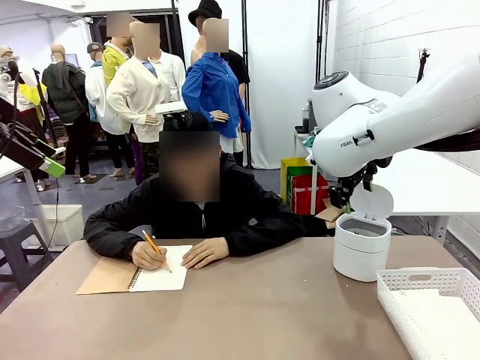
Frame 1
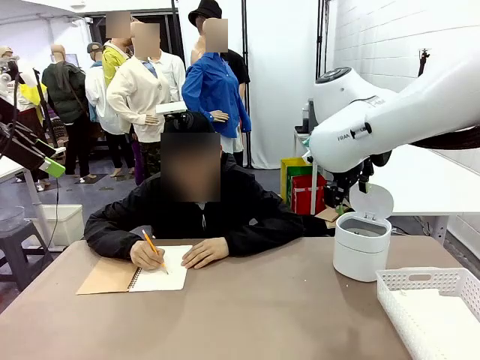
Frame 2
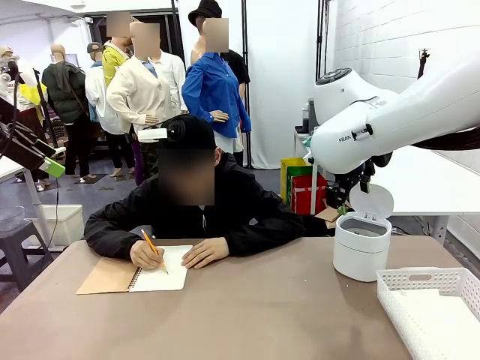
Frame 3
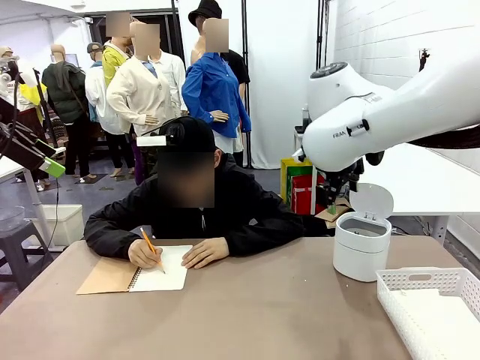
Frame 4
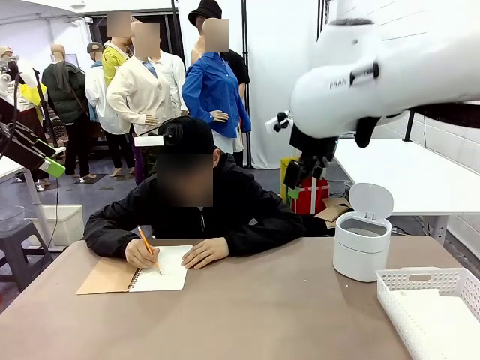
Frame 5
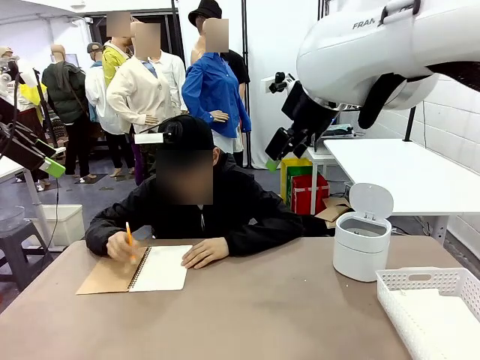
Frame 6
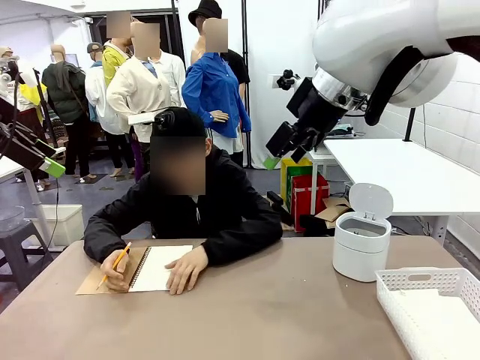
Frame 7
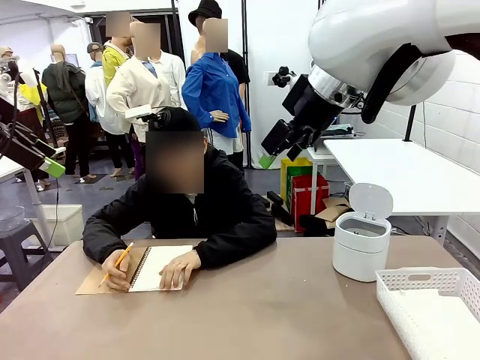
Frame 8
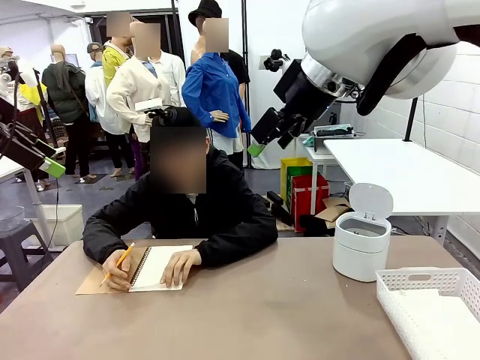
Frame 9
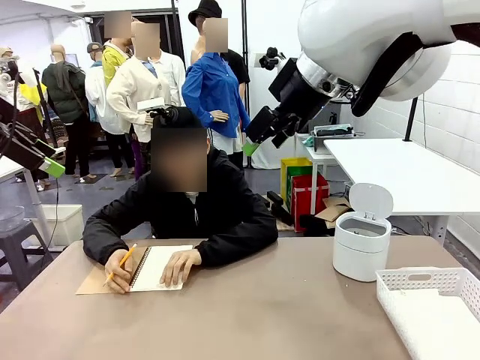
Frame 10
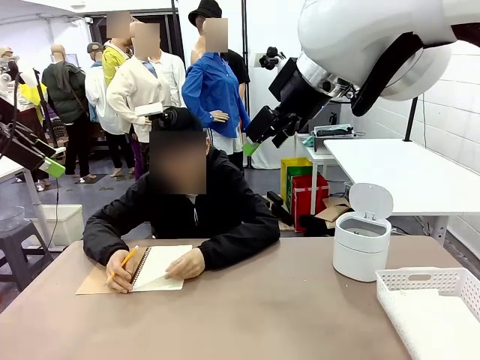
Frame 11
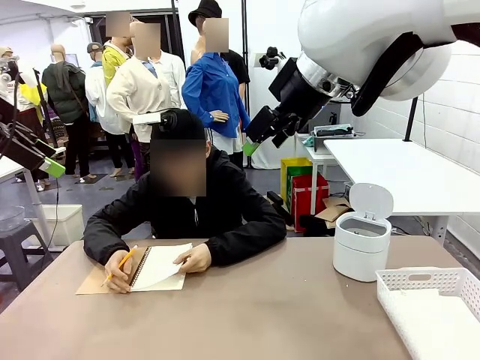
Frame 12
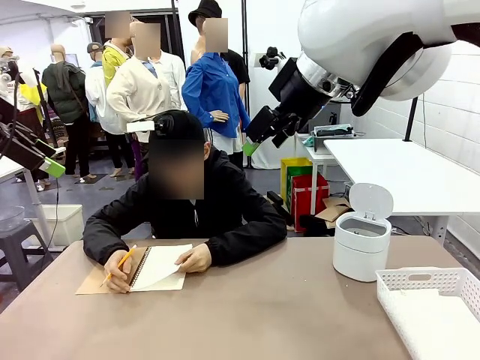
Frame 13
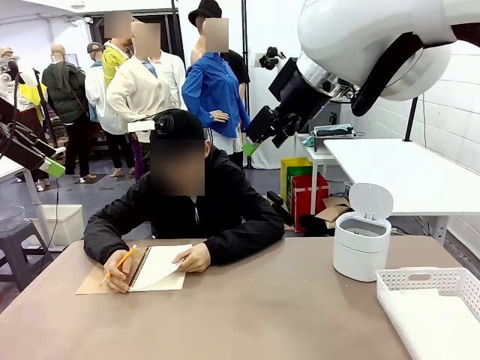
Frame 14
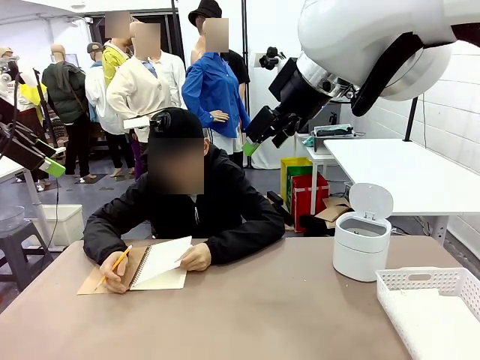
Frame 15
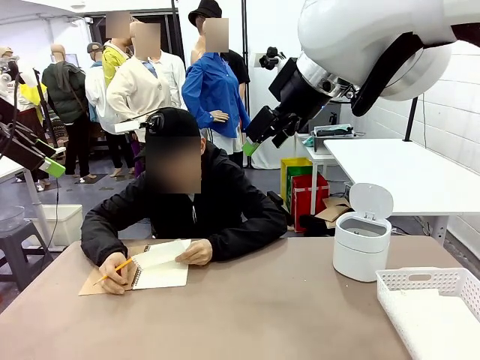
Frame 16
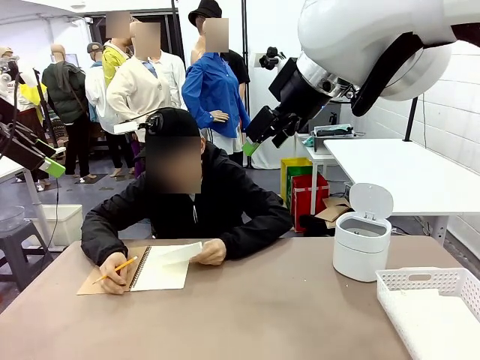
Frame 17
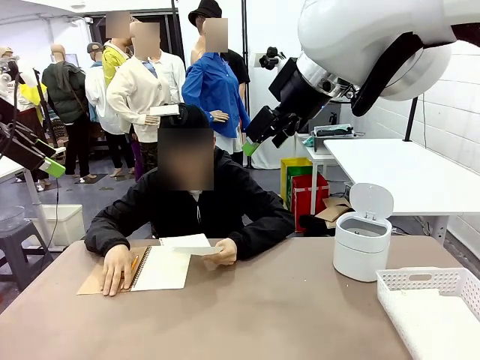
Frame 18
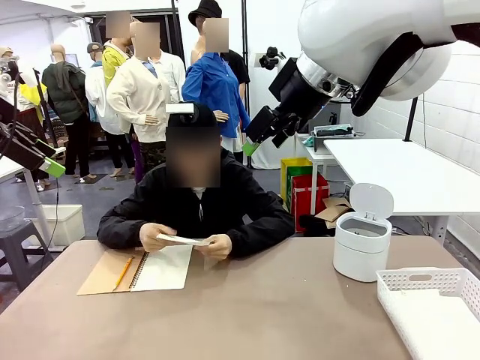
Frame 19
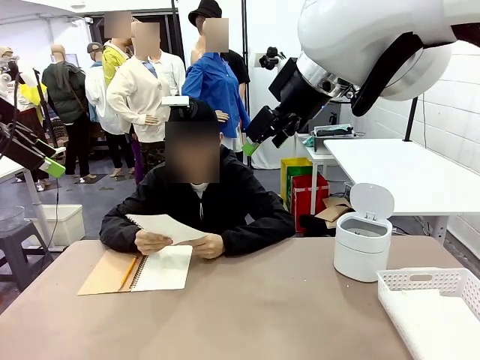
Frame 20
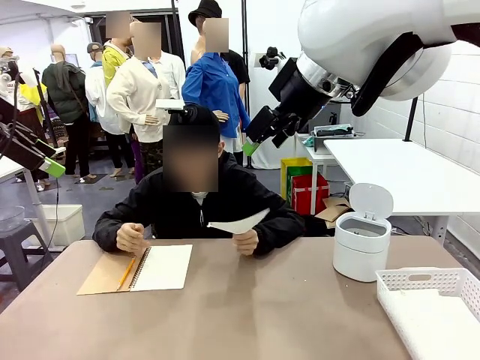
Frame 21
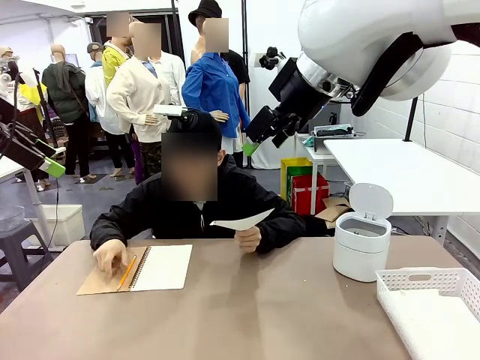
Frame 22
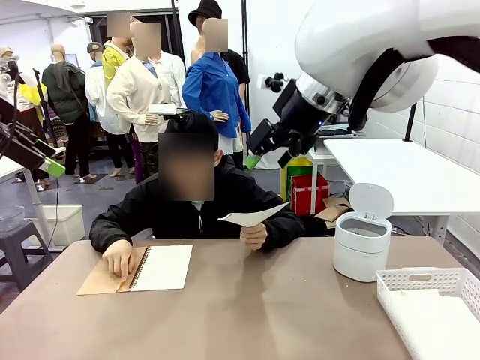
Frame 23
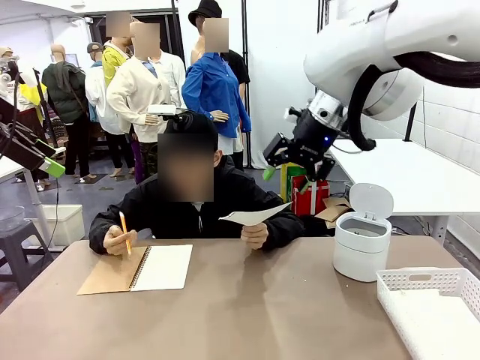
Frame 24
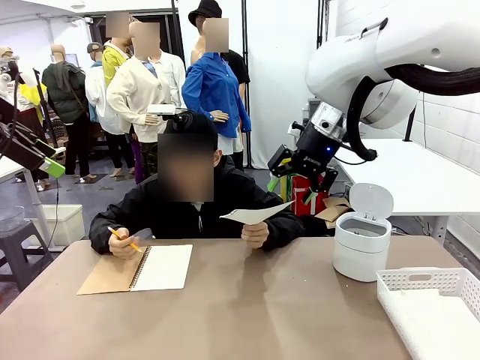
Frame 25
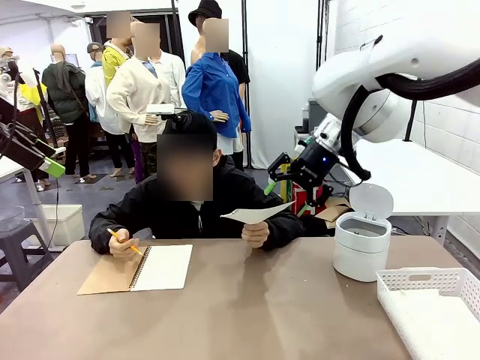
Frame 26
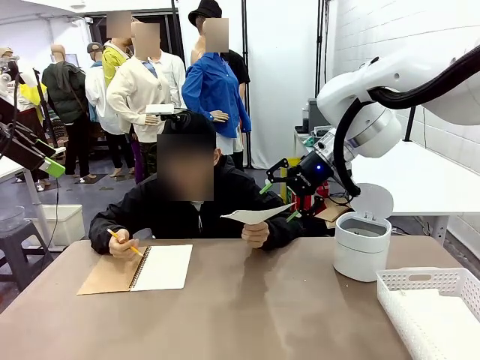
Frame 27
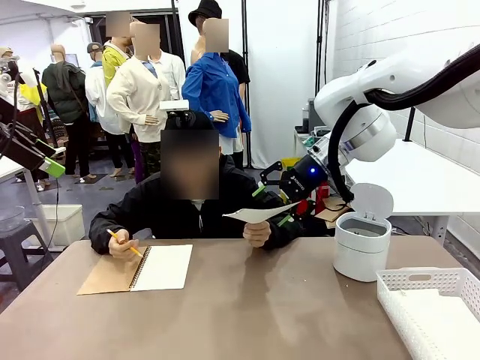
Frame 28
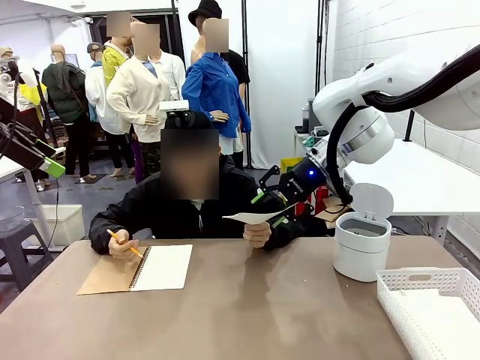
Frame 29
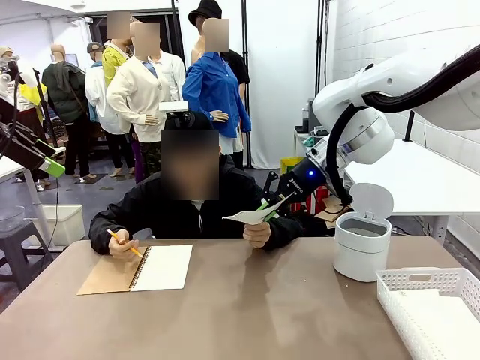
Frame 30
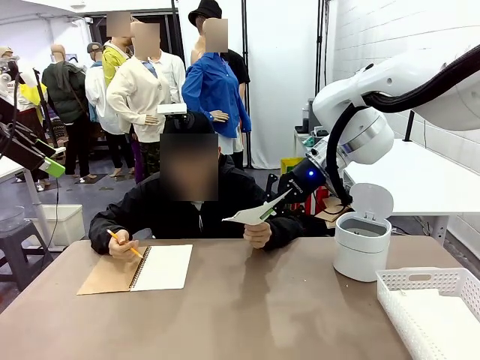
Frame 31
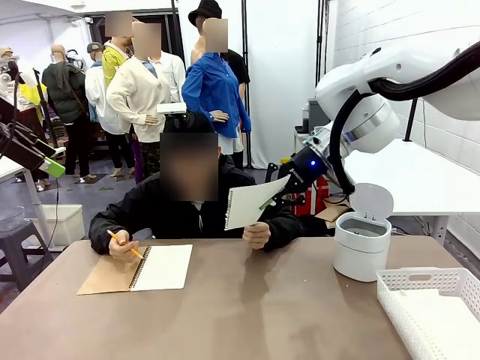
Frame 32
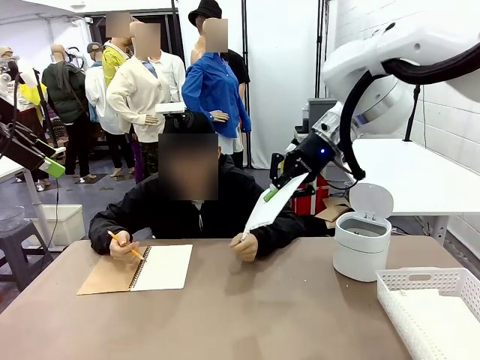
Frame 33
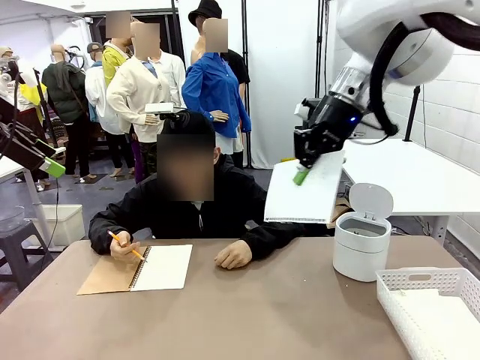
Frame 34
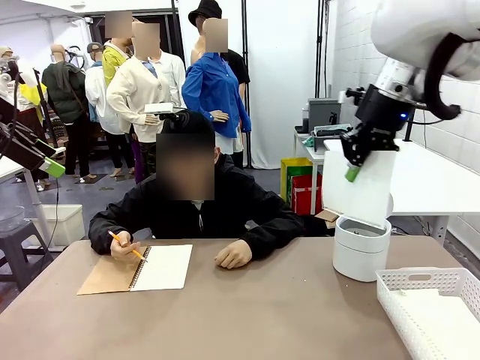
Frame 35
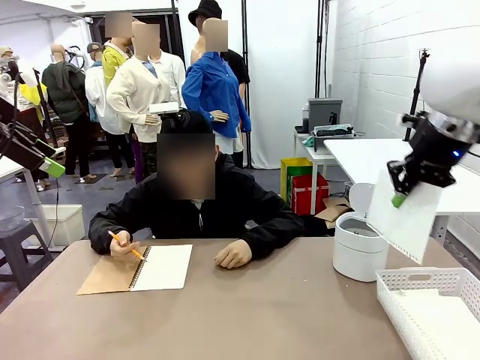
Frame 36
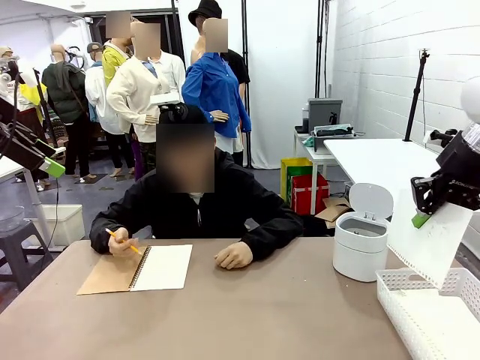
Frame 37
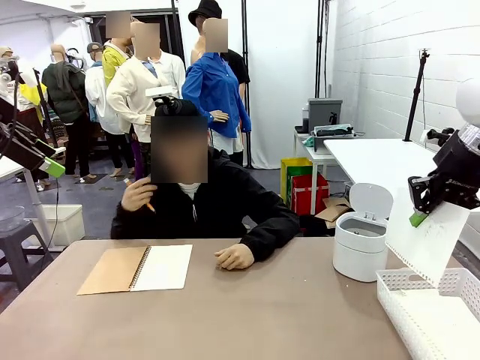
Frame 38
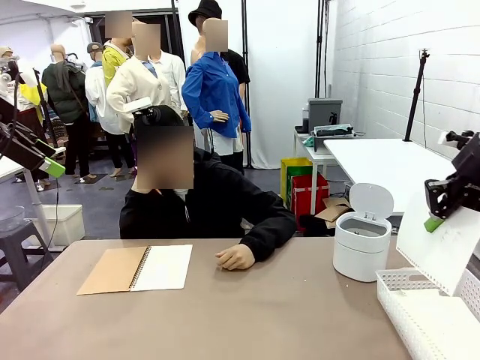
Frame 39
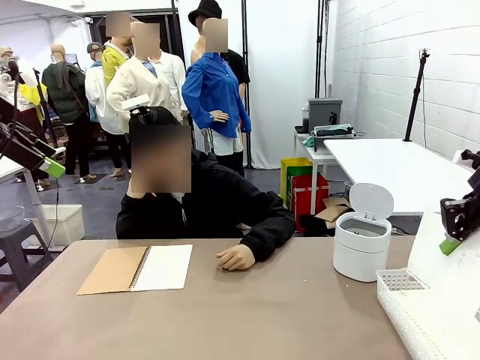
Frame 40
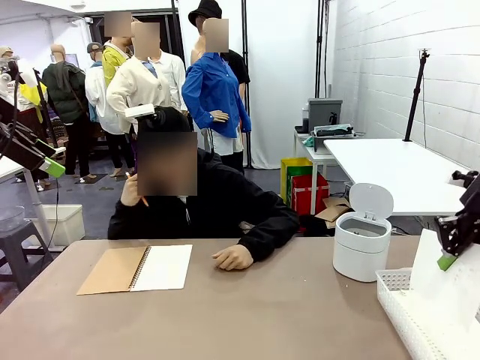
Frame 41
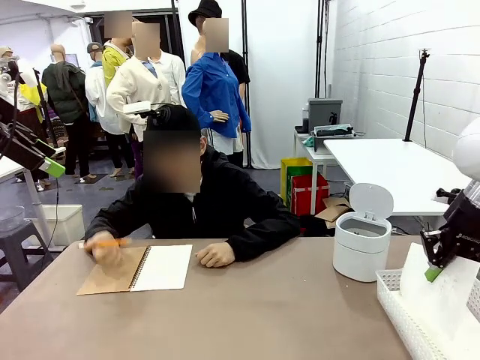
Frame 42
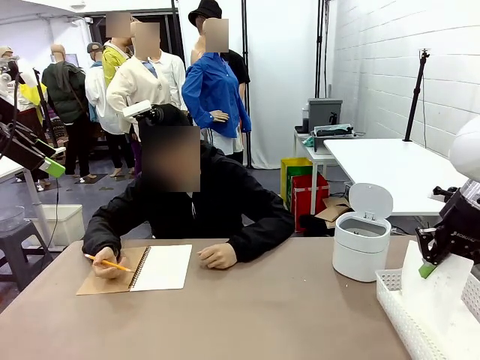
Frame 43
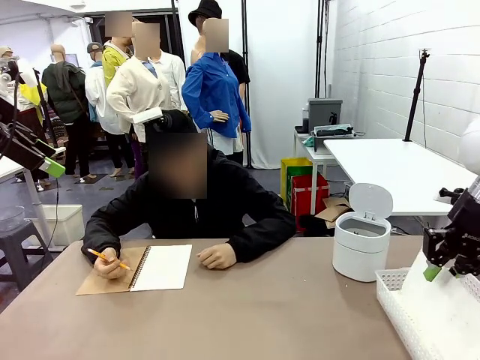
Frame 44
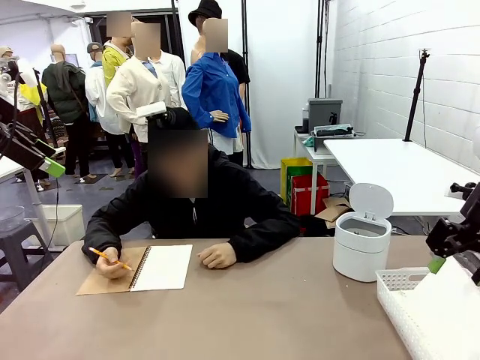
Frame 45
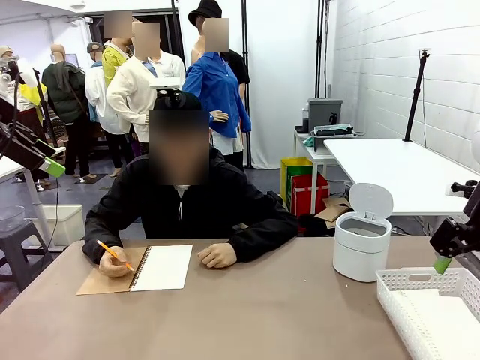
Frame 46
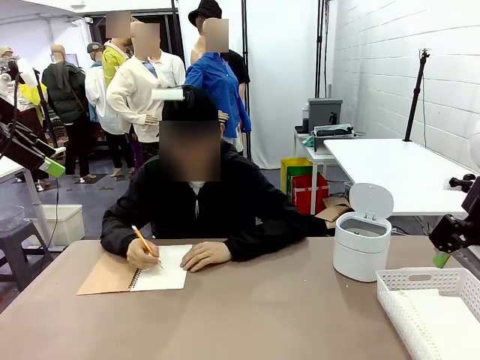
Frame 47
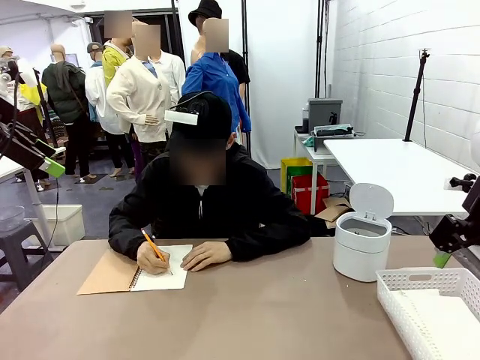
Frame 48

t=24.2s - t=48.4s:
Task: Sort the paper based on its condition.
Robot: If a person hands you a paper, place it in the Organizing basket , and if it's crumpled, put it in the Trash can.
Person: Hand the torn page to the robot or crumple it and throw it to the center of the table. Tear out a page from the spiral notebook.
